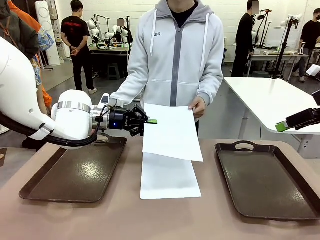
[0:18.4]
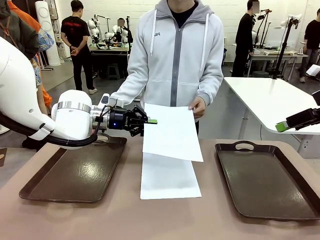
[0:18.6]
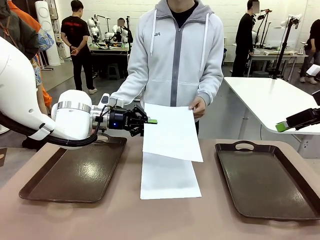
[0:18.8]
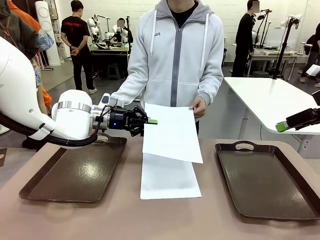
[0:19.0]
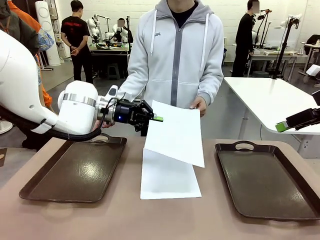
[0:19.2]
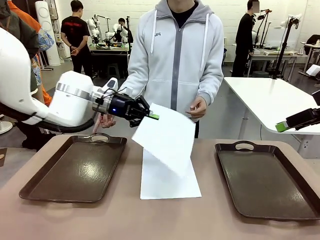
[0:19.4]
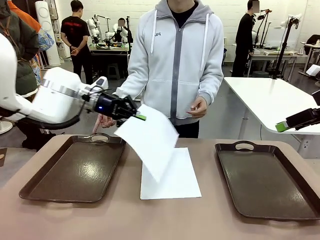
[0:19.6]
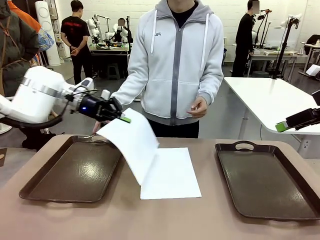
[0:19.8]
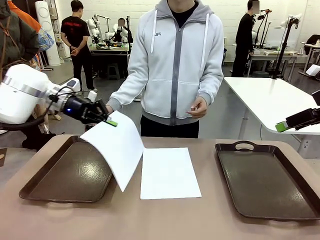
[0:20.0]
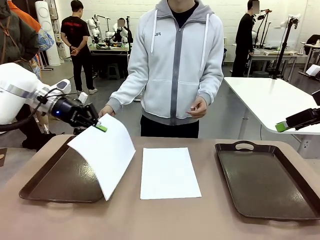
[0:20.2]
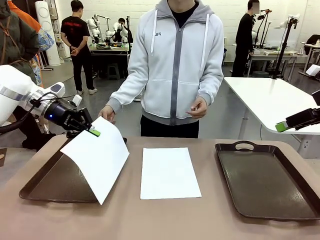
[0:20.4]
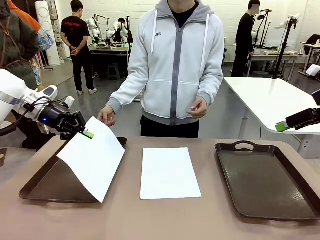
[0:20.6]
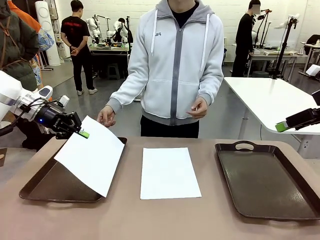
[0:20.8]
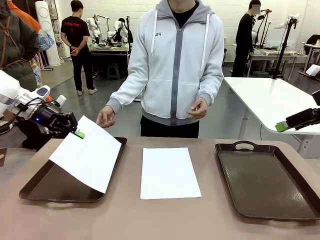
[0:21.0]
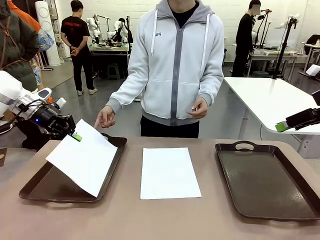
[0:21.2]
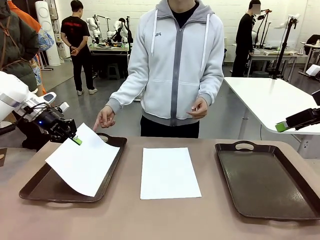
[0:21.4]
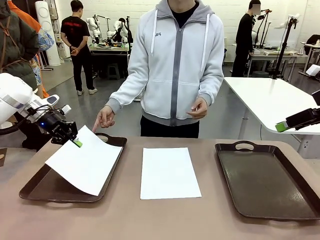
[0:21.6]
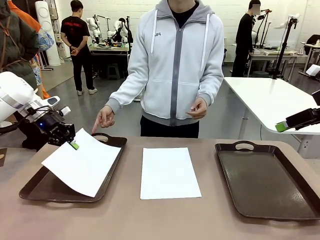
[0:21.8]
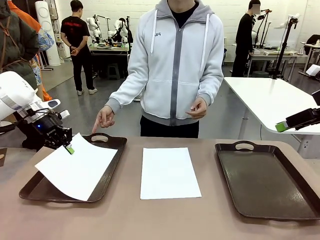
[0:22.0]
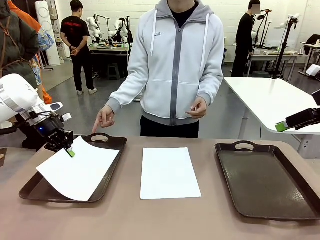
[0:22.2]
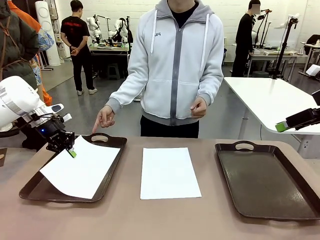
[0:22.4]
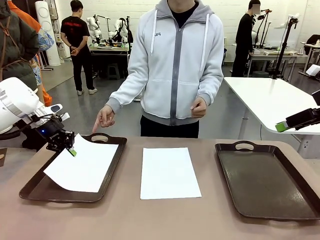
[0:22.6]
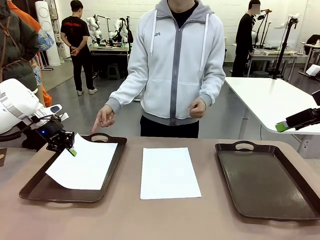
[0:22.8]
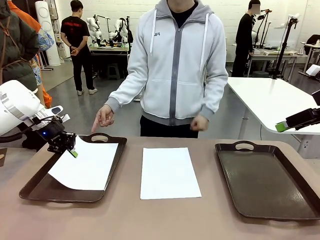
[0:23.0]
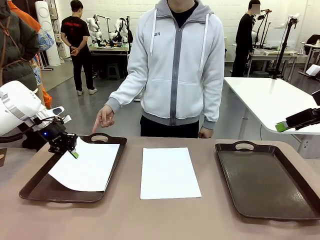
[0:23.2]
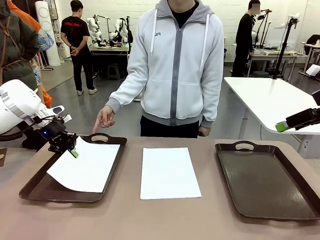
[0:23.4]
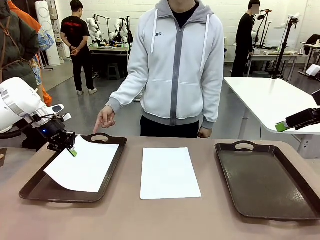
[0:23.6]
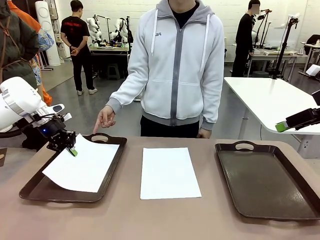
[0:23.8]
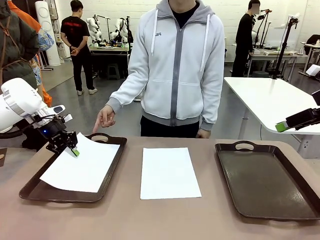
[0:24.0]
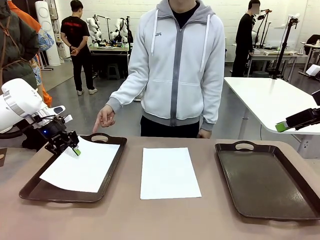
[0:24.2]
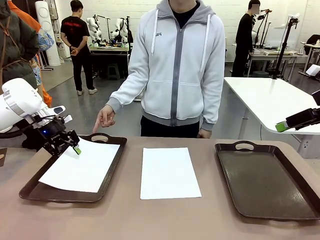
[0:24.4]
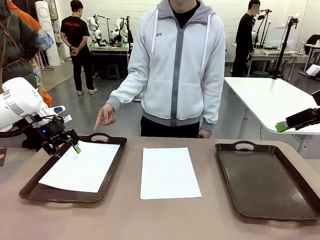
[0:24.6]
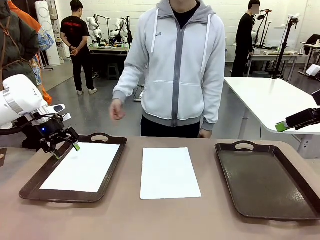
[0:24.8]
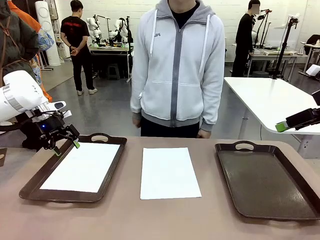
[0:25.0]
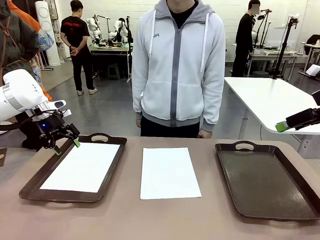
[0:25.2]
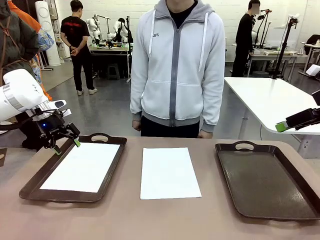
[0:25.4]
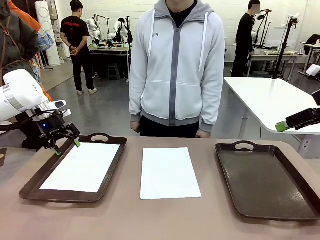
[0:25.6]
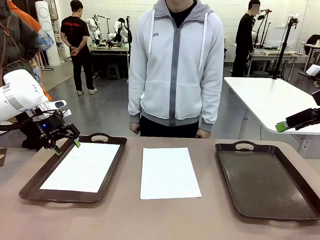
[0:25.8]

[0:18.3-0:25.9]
Task: Sort the A4 documents.
Robot: Place the A4 Paper in the designated Handle tray.

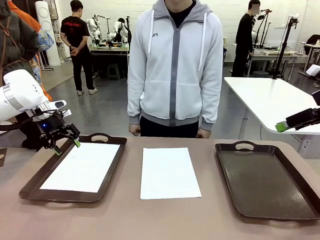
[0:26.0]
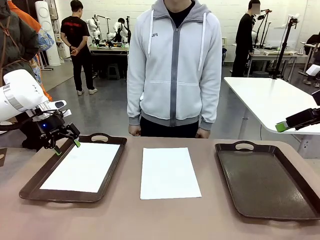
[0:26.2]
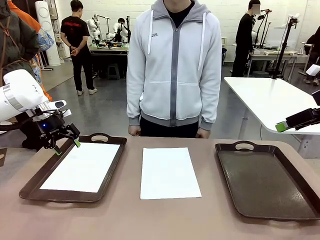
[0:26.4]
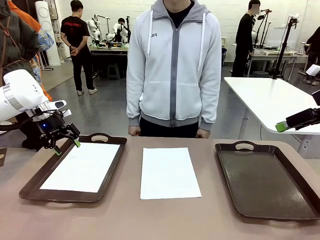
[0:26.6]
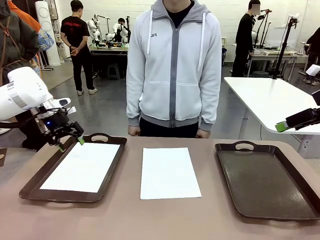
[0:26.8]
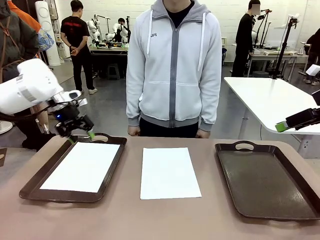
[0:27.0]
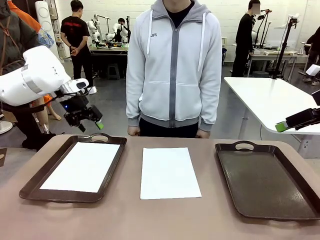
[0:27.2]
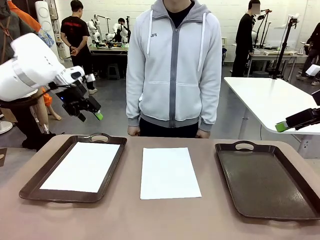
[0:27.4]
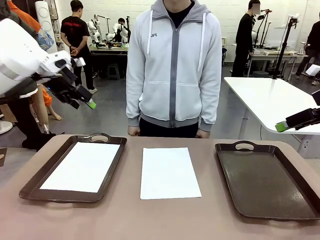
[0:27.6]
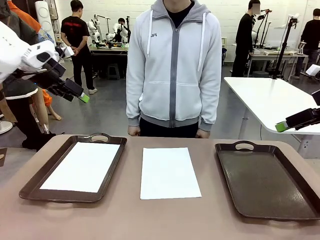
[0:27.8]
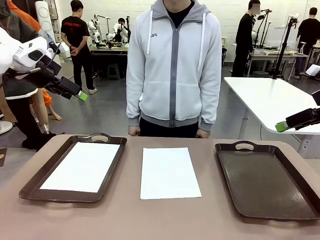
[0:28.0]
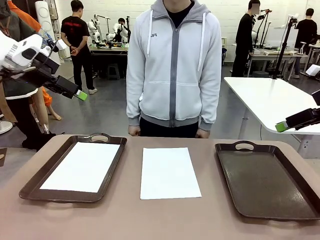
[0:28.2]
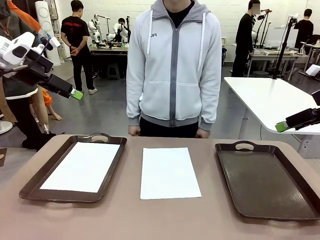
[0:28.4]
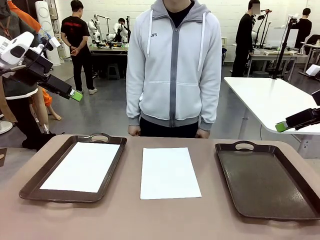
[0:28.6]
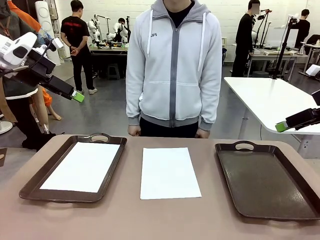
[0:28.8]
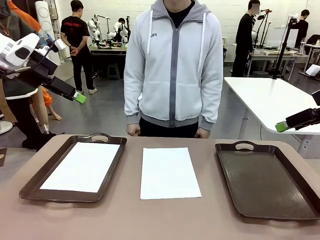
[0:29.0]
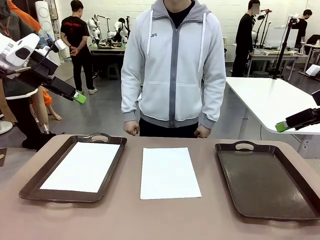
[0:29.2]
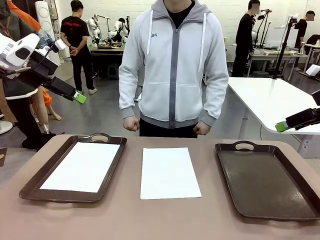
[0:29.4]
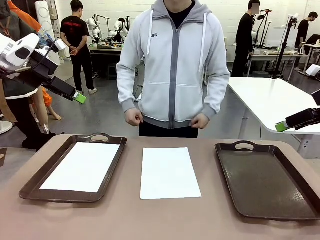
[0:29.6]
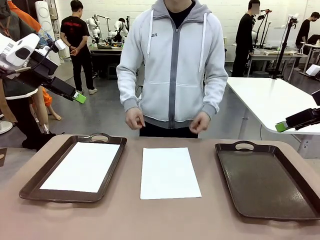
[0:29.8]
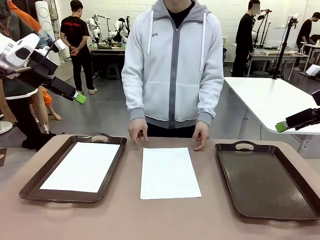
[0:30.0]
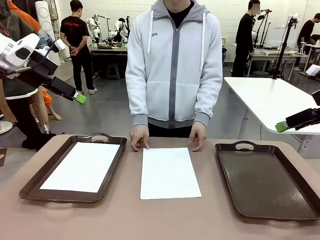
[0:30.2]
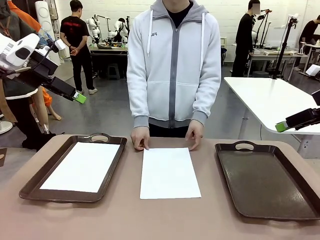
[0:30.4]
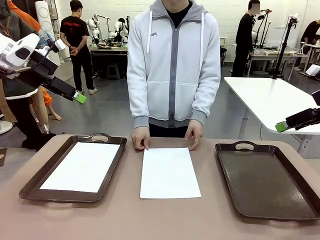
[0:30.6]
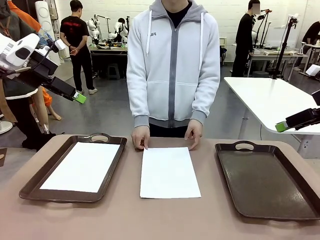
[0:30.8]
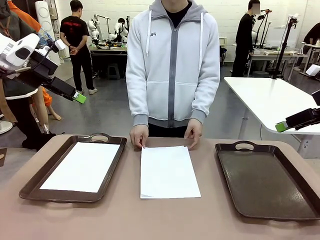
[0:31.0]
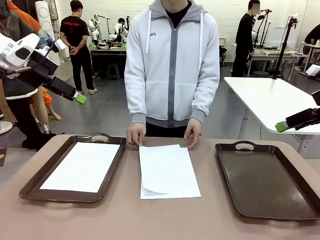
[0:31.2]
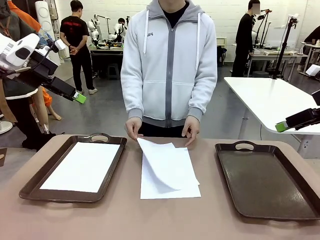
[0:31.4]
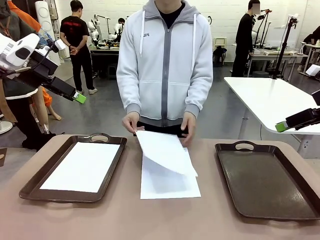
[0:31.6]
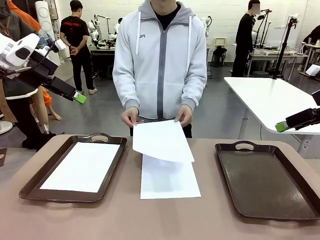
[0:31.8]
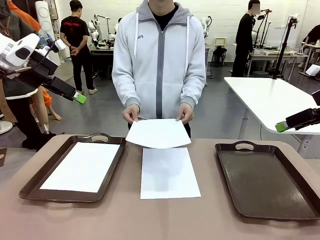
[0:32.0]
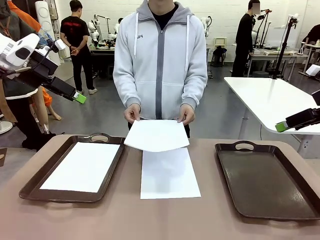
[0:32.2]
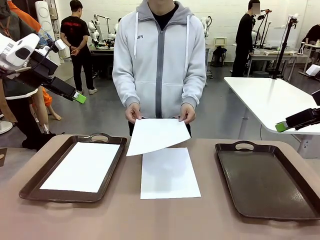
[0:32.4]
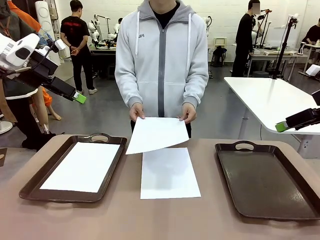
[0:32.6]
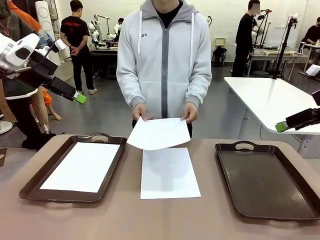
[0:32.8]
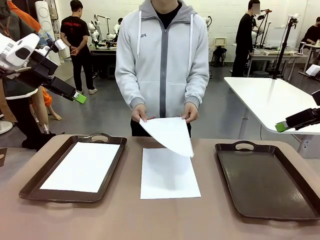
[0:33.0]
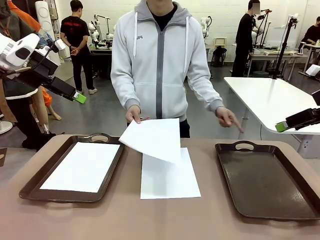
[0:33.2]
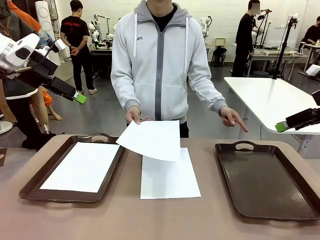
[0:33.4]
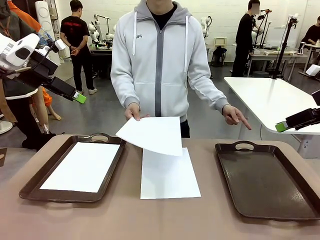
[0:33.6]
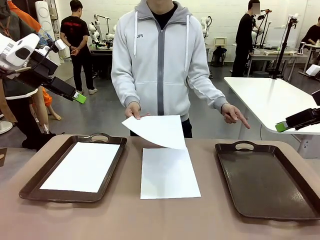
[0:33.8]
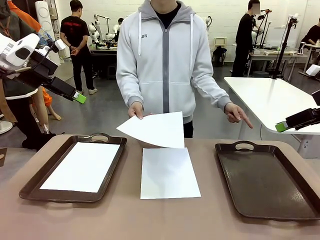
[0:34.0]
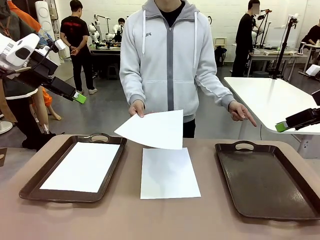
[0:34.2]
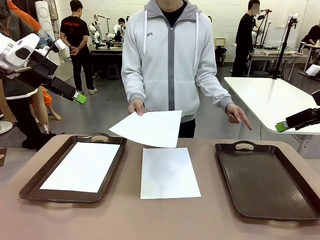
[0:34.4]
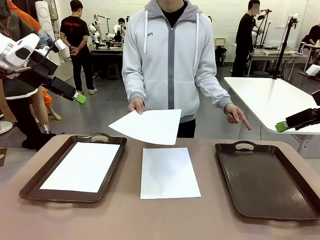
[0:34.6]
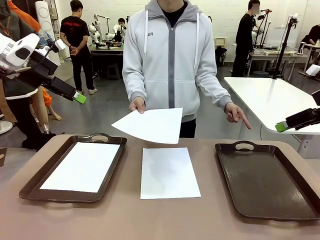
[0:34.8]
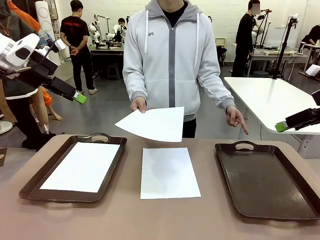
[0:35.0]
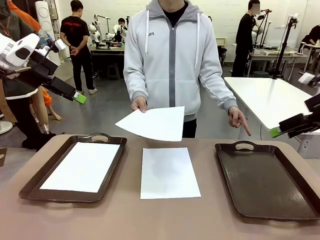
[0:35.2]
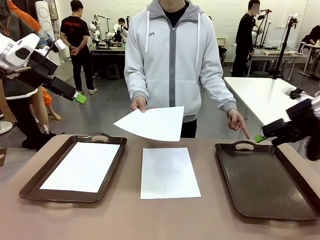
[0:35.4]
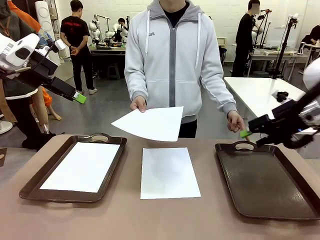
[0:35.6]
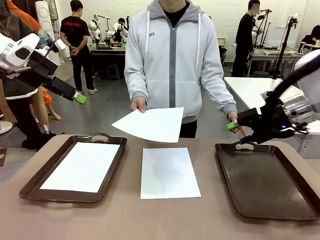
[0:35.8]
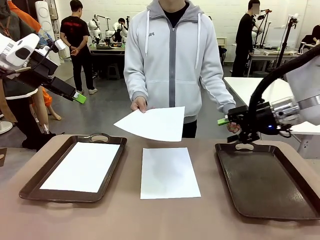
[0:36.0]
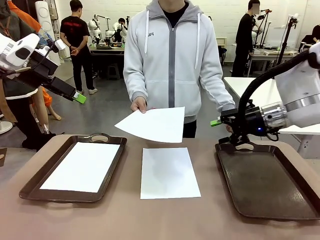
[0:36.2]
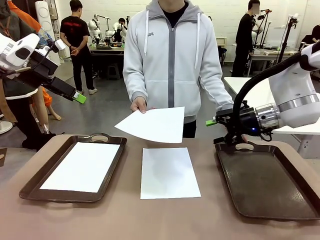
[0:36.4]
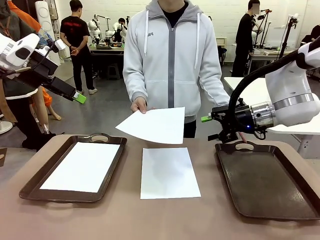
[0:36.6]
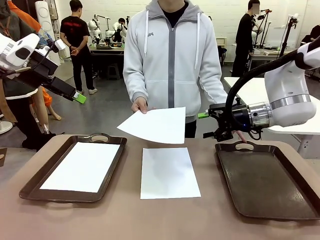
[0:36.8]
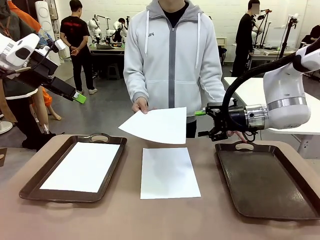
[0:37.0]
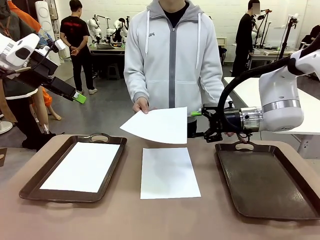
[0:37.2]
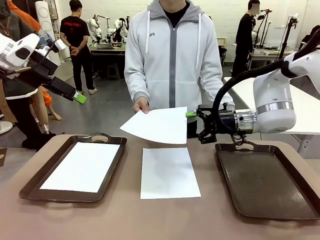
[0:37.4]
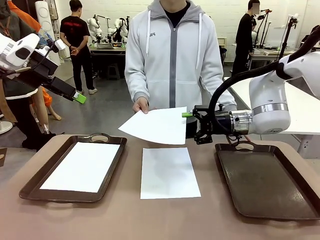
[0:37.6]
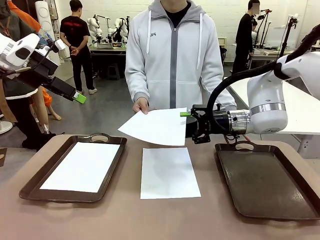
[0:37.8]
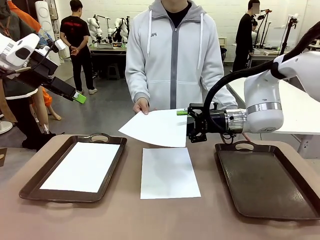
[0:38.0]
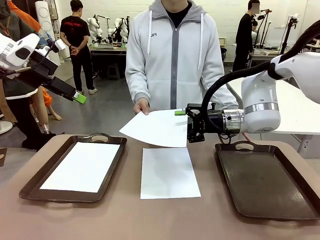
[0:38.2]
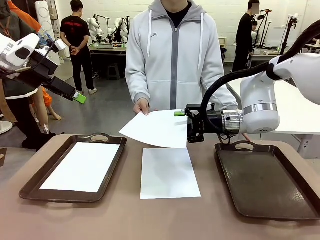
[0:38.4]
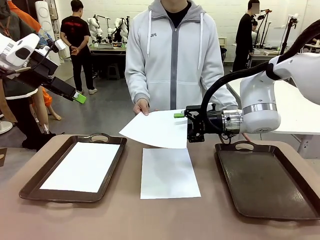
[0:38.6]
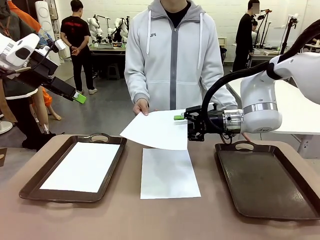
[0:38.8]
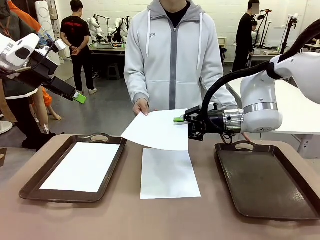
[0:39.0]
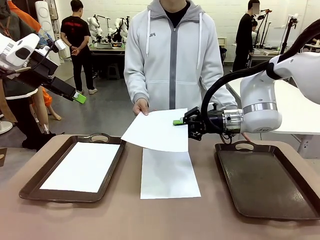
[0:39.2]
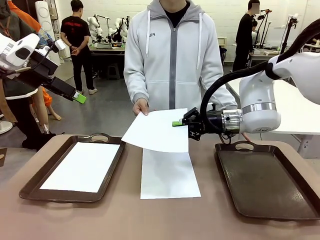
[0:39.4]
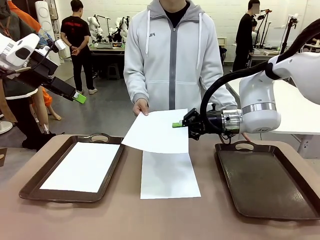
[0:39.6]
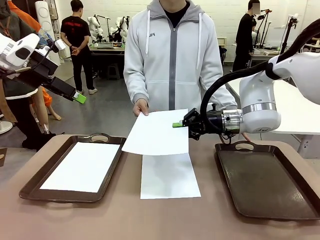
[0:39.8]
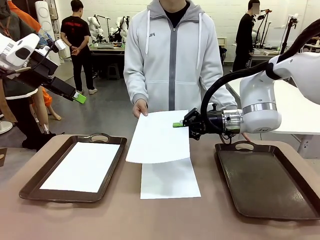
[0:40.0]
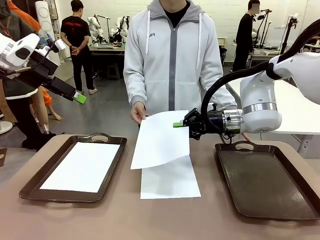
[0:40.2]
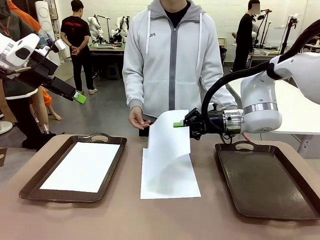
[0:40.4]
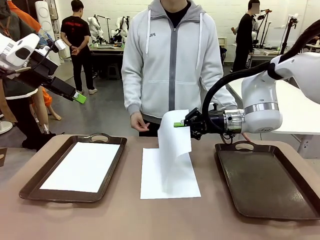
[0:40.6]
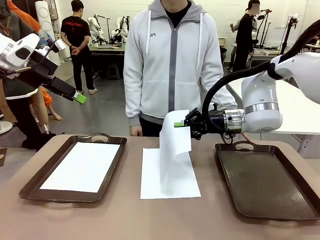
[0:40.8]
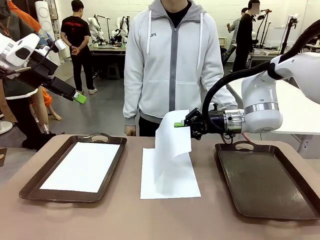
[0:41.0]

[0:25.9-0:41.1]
Robot: Receive the A4 Paper.
Person: Point the randomly selected tray with the other hand.
